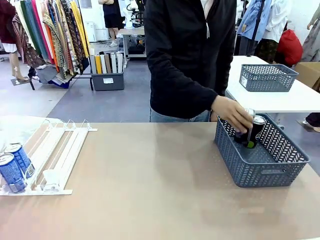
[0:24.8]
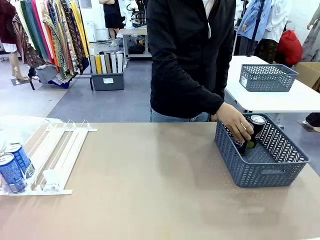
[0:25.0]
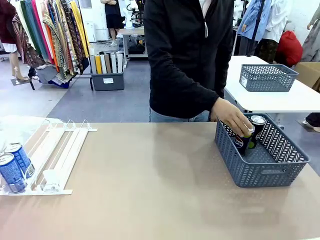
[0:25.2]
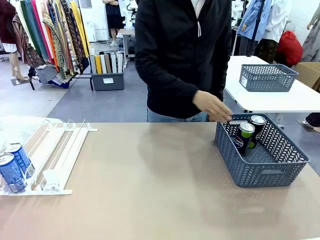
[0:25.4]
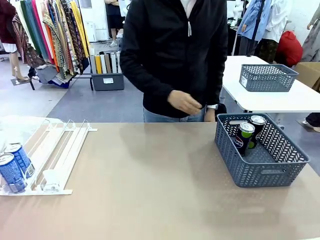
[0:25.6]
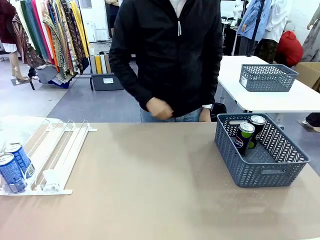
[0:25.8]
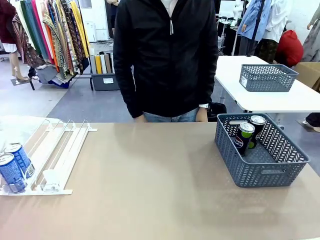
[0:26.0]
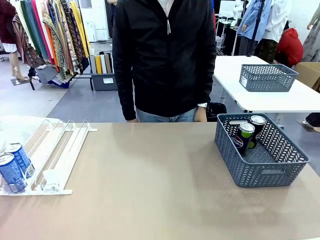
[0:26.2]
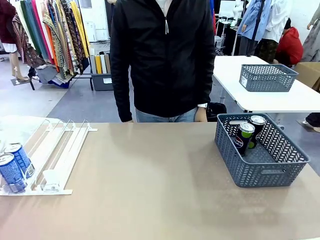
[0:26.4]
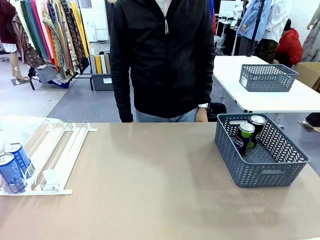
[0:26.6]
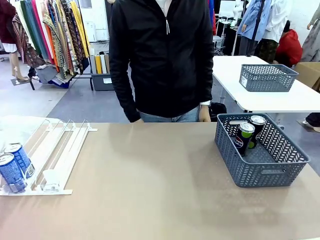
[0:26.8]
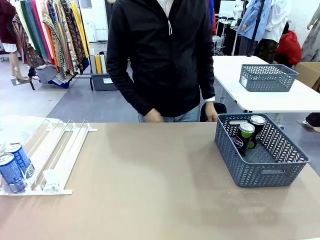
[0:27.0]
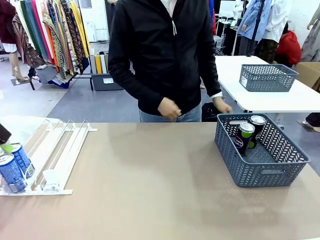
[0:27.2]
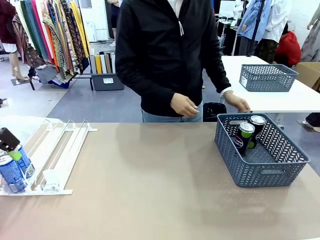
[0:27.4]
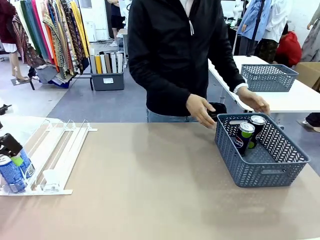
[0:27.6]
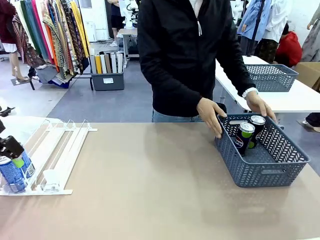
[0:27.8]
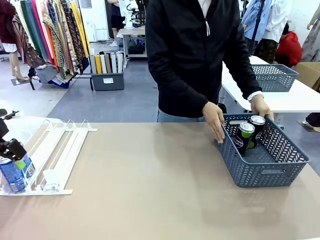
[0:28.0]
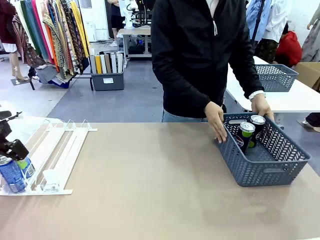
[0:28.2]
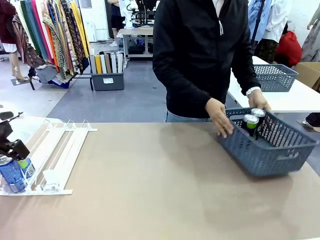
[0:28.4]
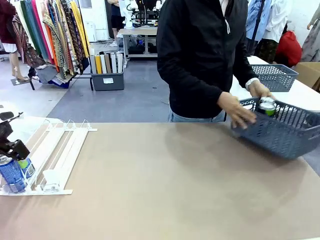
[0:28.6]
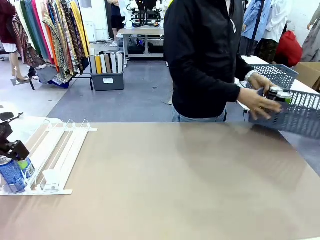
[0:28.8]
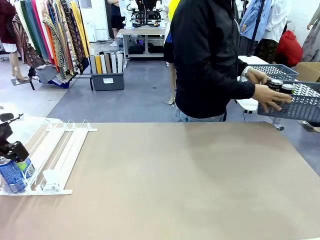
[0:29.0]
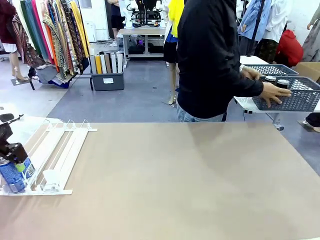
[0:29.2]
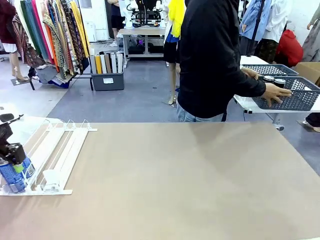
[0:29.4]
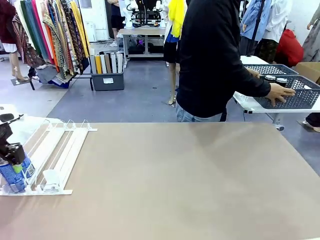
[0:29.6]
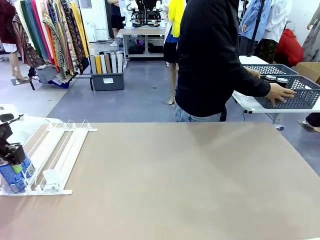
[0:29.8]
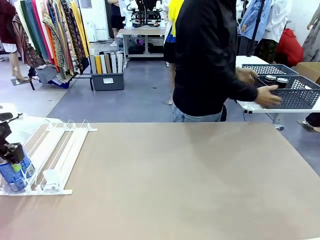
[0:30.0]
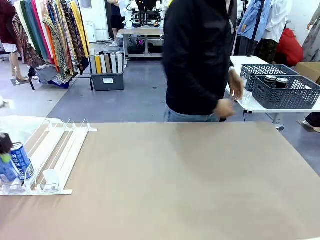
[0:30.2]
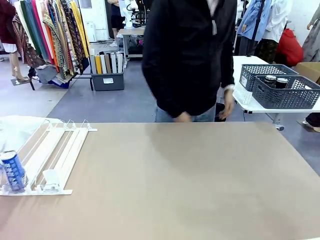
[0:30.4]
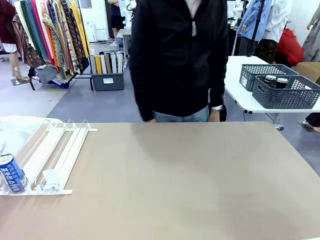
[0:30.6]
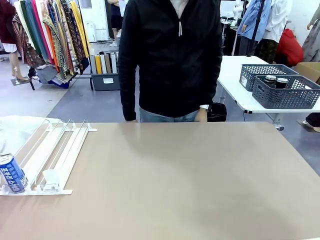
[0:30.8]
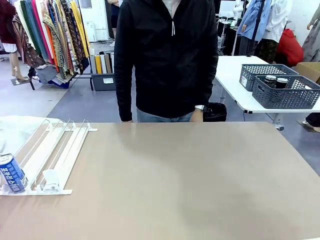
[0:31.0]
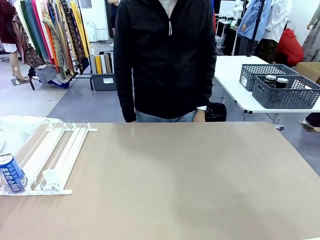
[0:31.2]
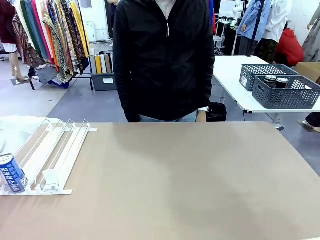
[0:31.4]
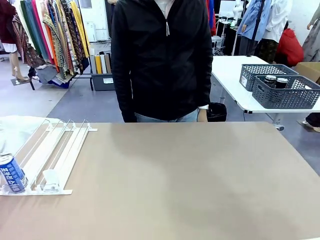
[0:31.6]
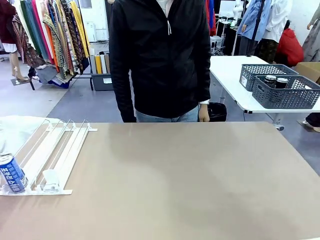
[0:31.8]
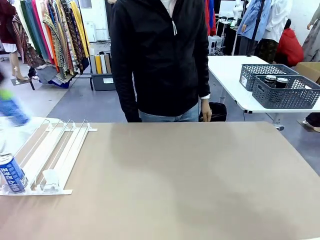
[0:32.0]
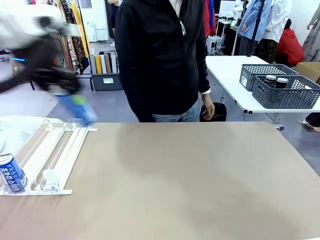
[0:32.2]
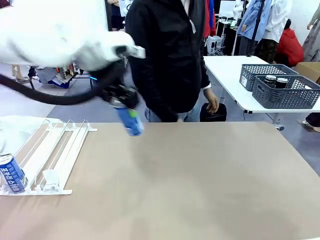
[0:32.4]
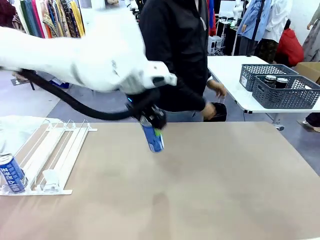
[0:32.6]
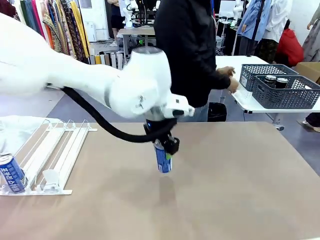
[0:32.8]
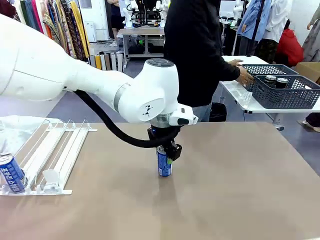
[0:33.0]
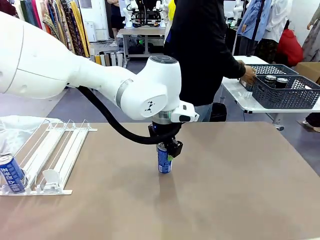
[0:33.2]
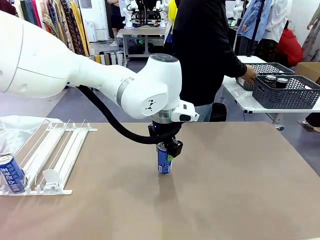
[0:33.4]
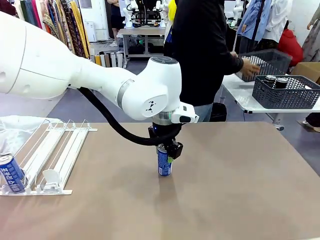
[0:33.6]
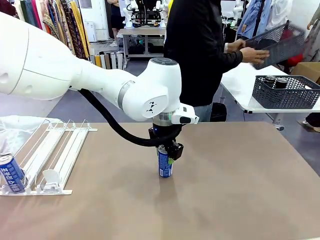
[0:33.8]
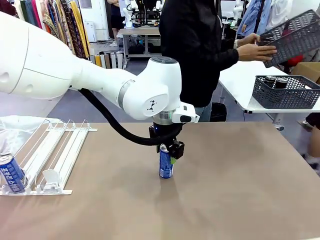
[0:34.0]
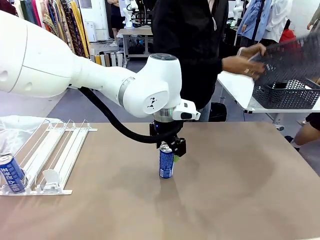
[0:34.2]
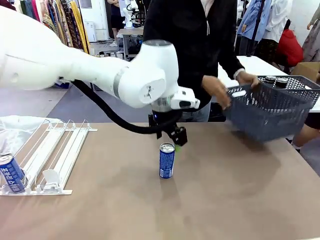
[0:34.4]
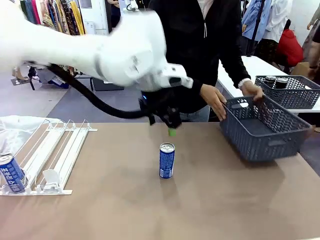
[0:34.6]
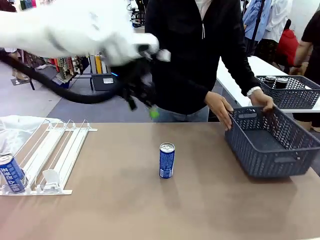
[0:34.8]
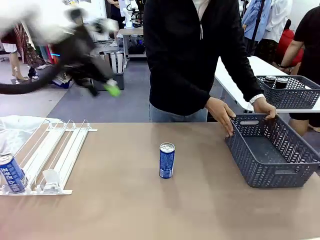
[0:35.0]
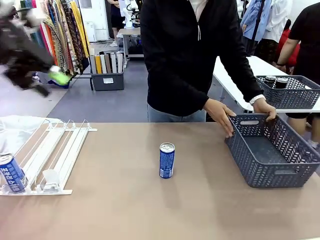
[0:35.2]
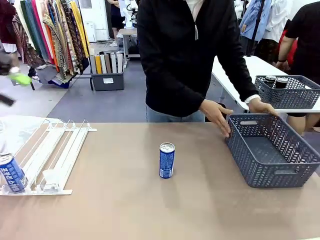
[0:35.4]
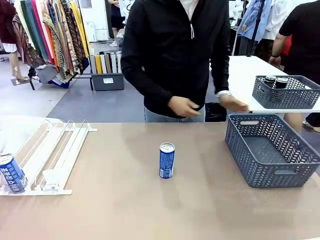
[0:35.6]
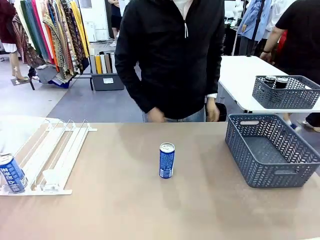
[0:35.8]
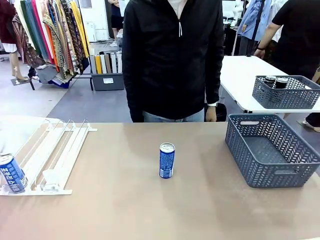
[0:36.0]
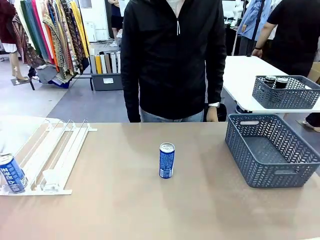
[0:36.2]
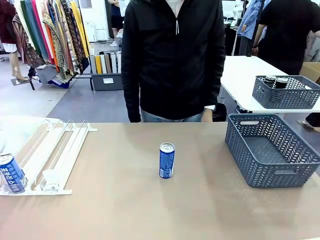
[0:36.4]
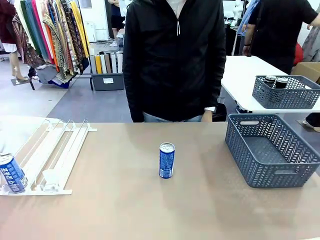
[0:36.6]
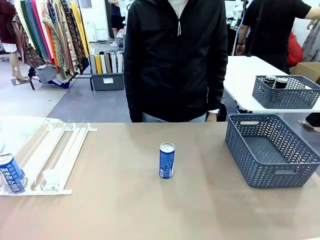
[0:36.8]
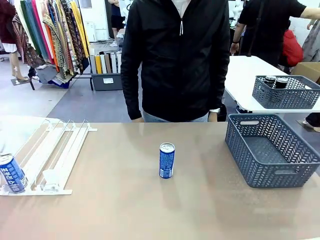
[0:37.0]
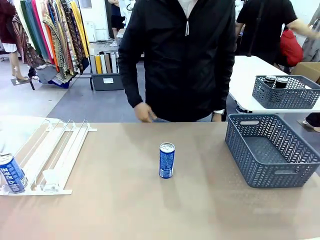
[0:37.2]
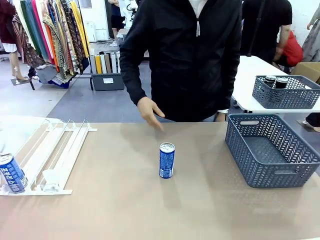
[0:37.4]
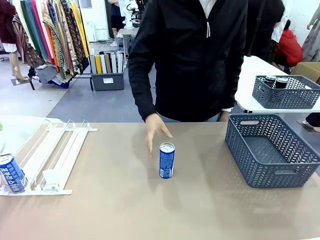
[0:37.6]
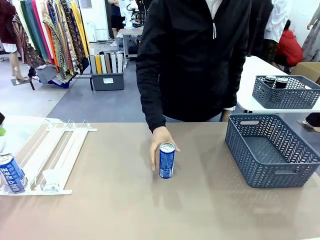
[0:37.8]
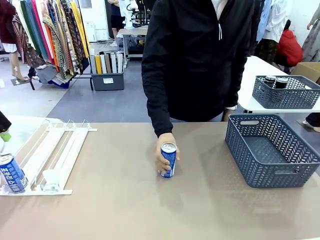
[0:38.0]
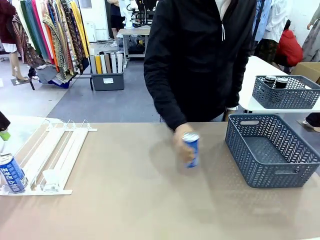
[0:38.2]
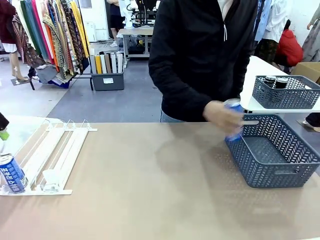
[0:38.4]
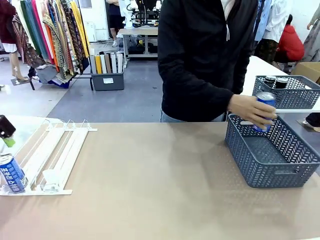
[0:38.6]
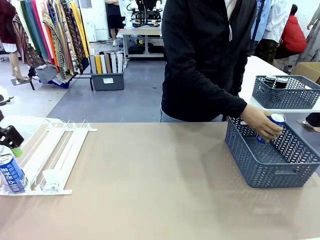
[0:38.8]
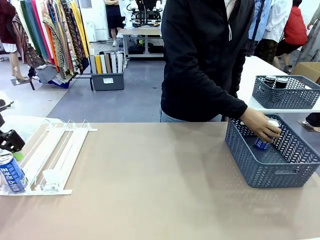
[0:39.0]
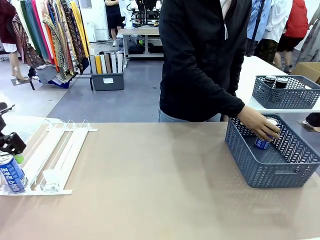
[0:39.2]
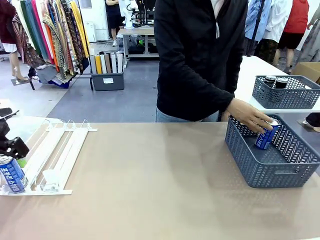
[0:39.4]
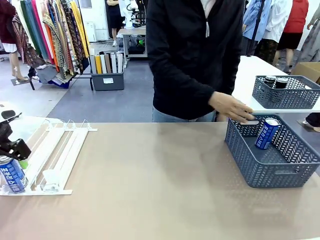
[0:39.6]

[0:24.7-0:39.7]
Task: Retrieve and store the cans from the dispenser.
Robot: Pick up one can from the Automatic Can Dispenser and place it in the middle of the table.
Person: Pick up the basket and place it in the middle of the human table. Pick up the empty basket and place it on the left side of the robot table.
